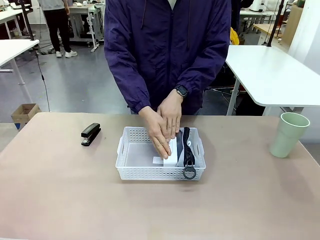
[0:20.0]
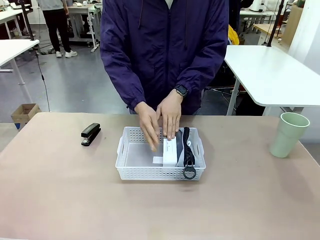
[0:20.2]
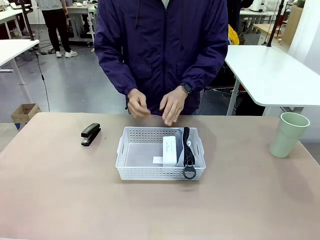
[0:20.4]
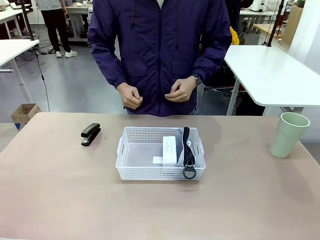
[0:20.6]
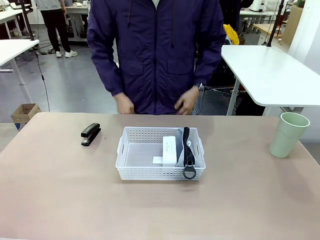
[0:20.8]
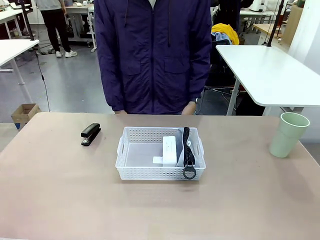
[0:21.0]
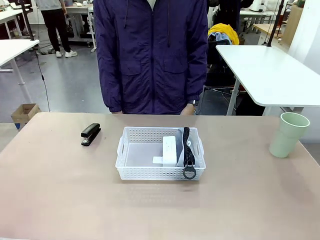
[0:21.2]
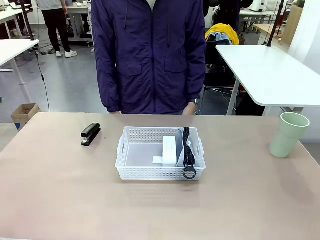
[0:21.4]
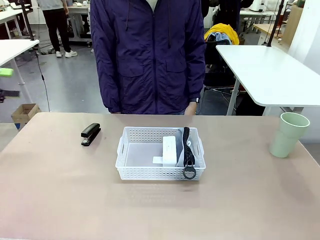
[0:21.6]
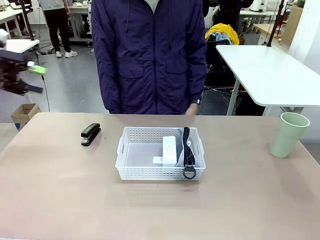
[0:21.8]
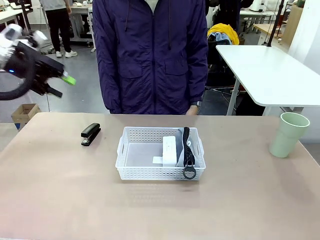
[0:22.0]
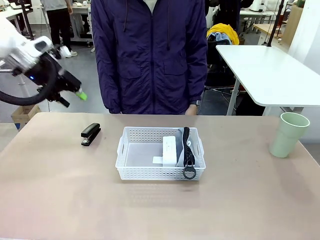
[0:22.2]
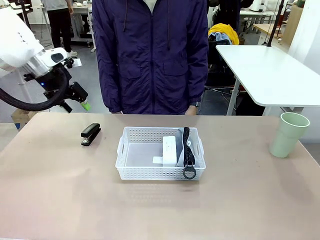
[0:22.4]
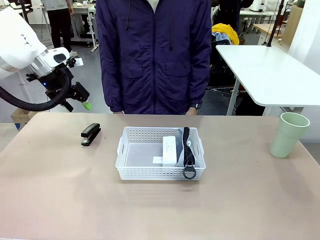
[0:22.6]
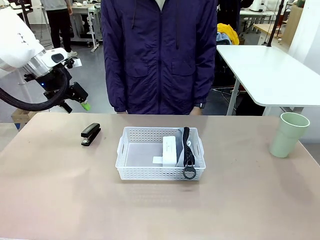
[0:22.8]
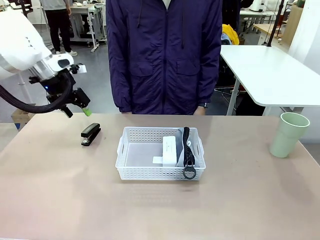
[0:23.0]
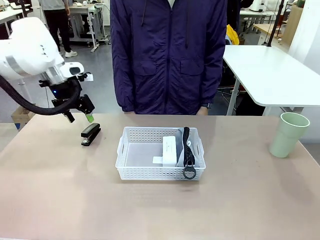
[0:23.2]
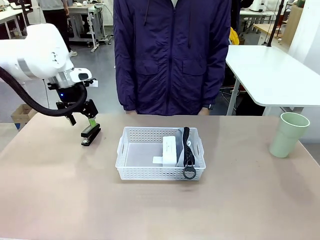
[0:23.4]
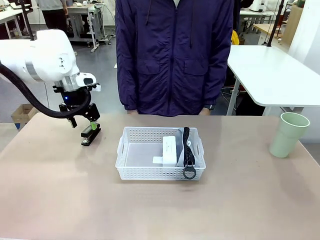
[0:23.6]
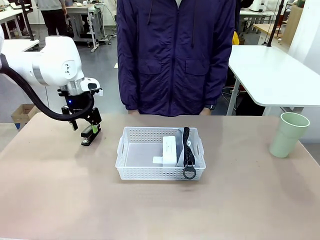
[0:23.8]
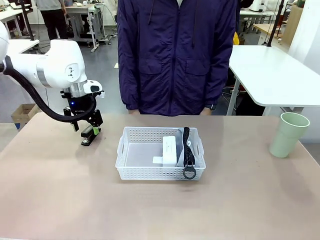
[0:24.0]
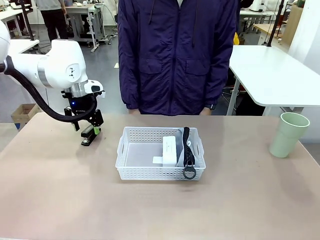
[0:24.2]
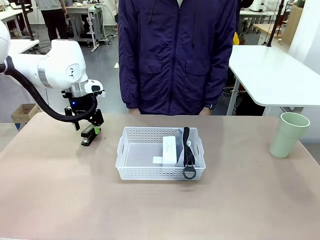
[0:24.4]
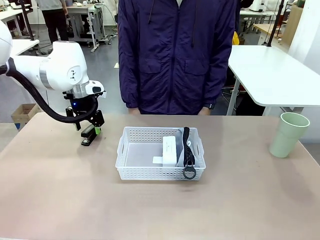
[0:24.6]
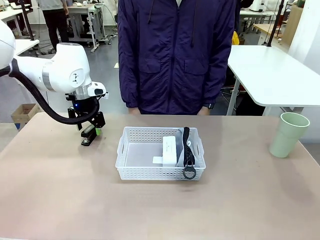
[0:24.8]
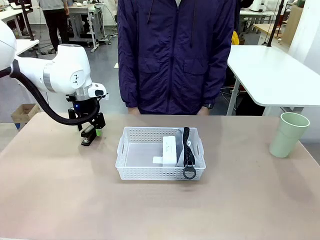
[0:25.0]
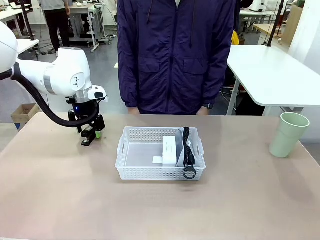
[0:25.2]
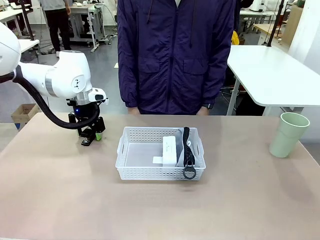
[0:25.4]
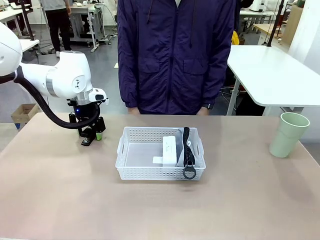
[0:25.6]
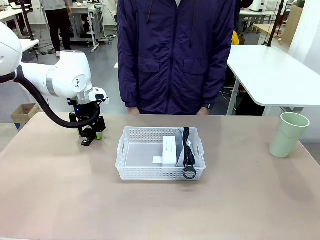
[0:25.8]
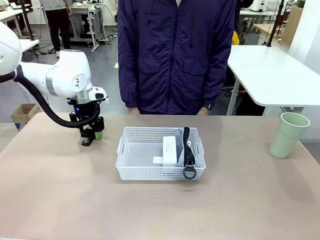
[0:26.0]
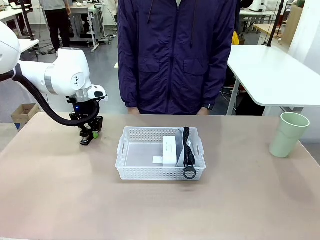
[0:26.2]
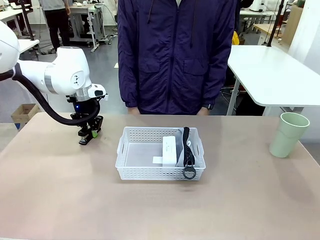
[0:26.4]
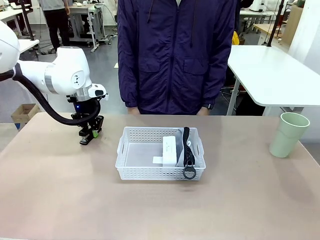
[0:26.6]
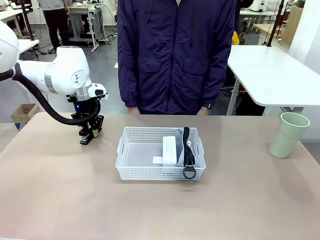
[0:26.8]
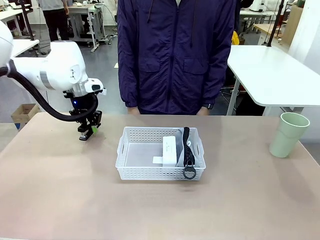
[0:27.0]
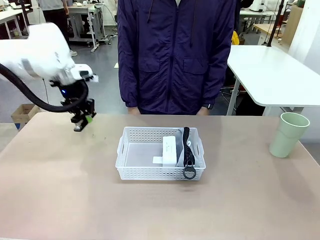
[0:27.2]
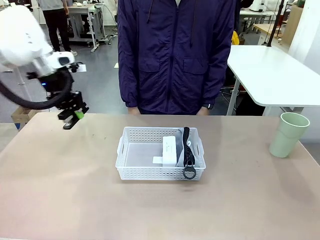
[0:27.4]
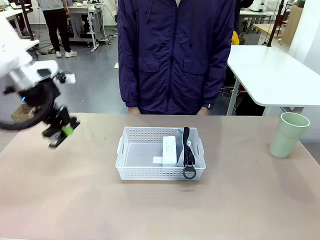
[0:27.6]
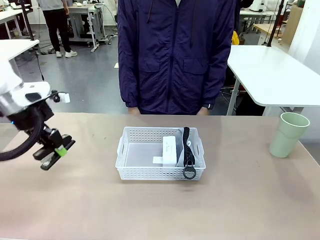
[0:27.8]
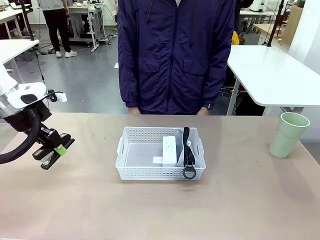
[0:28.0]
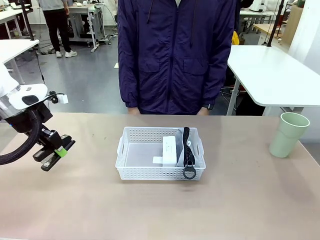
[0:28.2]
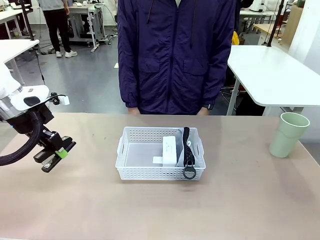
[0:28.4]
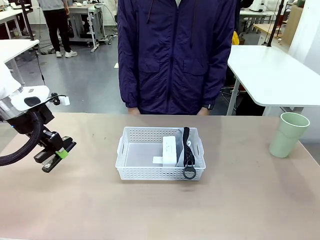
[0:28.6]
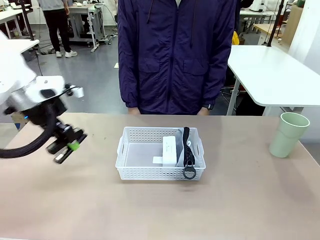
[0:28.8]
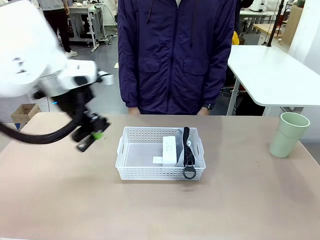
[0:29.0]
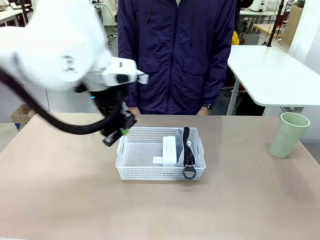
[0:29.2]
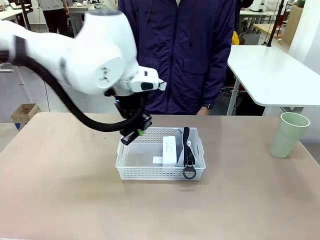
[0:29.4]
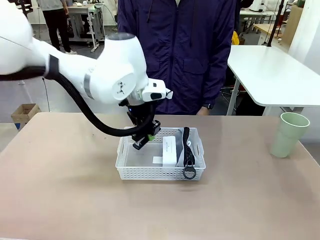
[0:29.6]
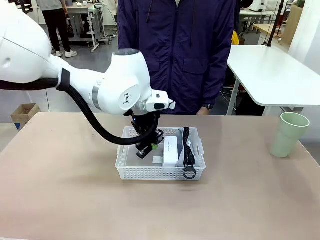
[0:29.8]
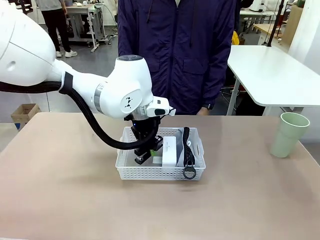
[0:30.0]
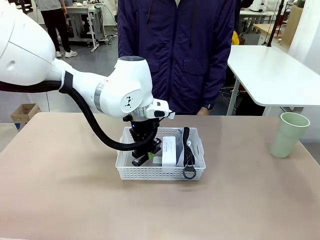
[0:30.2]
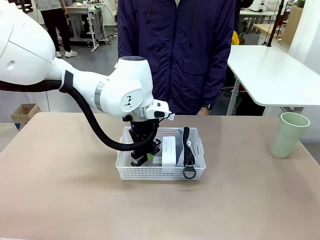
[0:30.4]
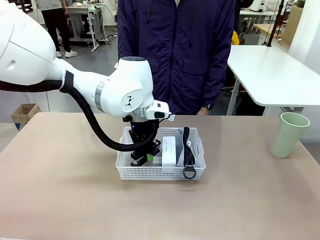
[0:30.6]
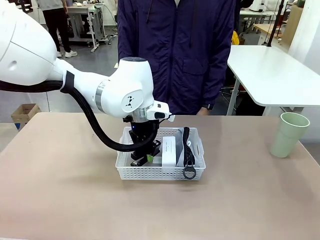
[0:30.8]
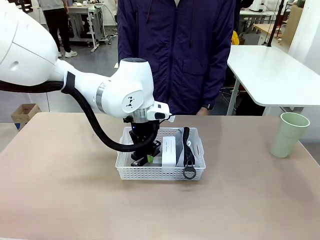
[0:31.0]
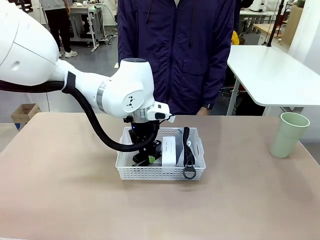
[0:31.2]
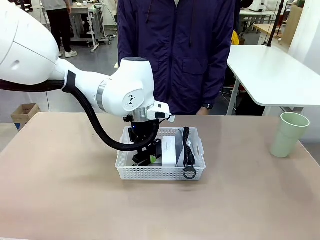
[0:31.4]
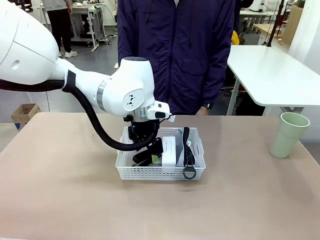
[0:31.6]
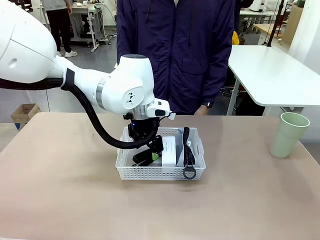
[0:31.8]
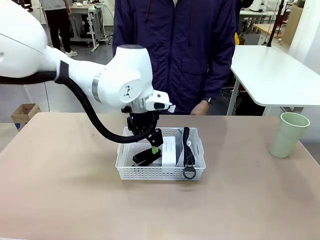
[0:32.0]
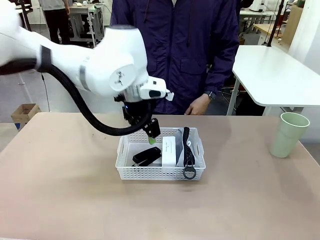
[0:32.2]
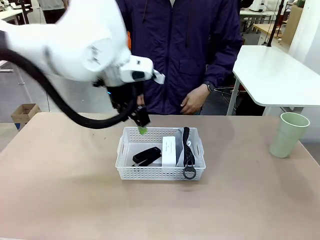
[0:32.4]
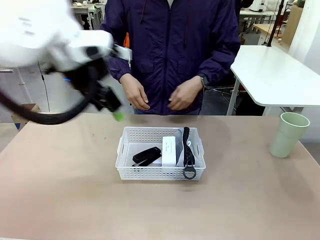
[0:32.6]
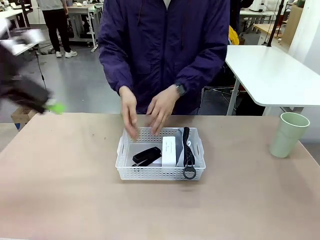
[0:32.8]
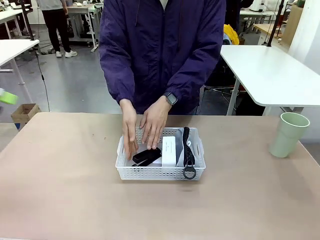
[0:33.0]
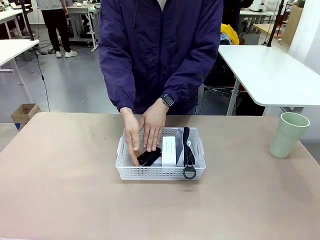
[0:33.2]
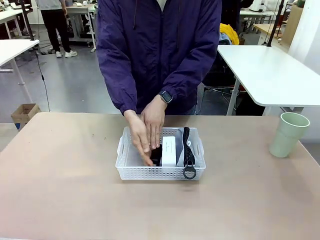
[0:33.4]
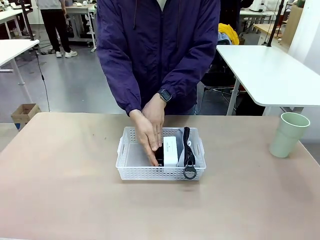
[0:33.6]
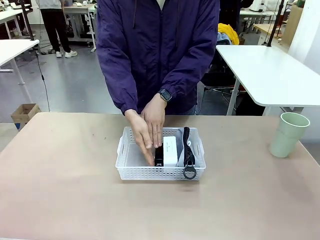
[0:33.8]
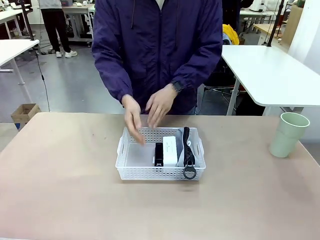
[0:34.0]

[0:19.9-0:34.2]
Task: Efficiently arrange items inside the basket to fit them all.
Robot: Pick up the Stapler and place it inside the Organizing basket.

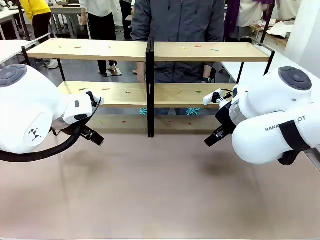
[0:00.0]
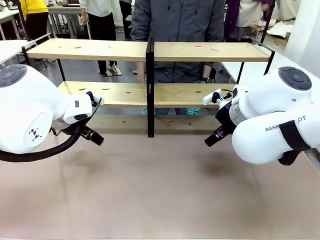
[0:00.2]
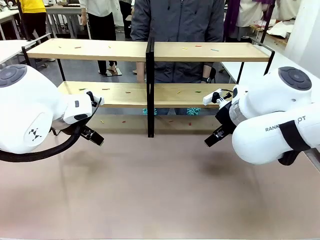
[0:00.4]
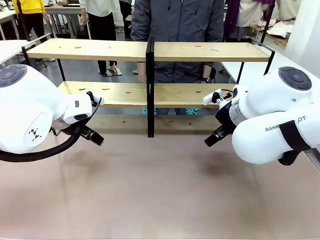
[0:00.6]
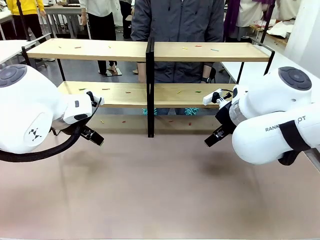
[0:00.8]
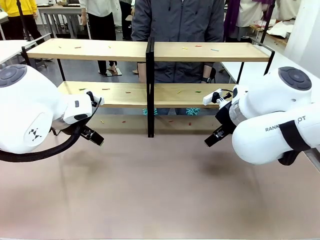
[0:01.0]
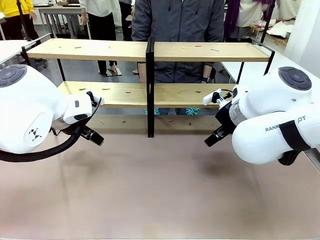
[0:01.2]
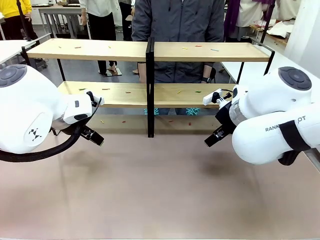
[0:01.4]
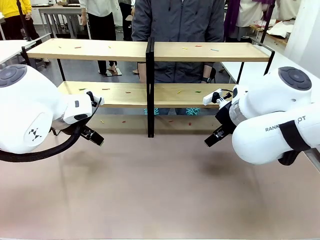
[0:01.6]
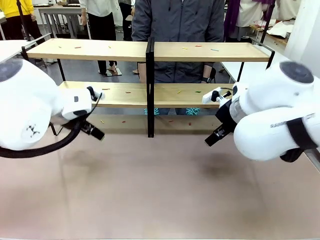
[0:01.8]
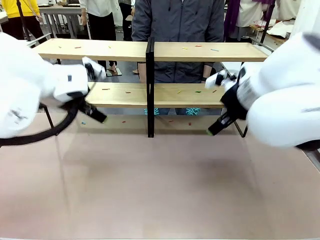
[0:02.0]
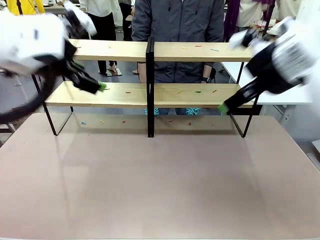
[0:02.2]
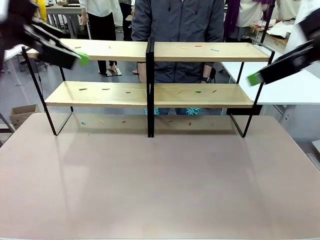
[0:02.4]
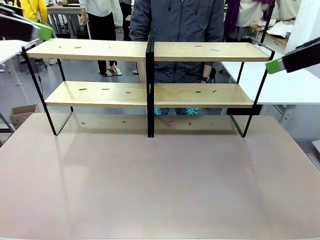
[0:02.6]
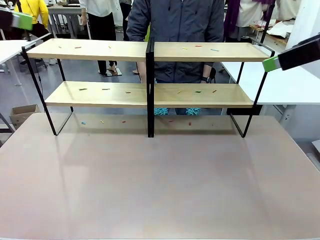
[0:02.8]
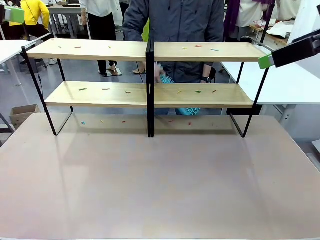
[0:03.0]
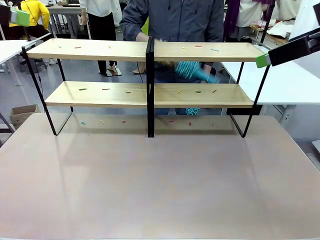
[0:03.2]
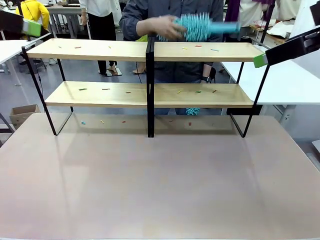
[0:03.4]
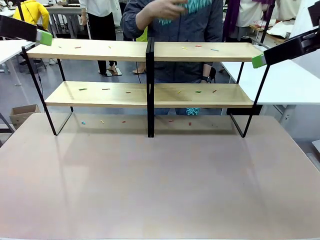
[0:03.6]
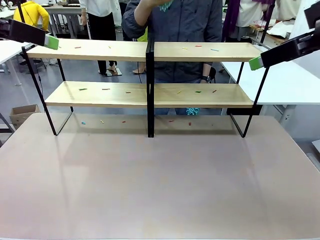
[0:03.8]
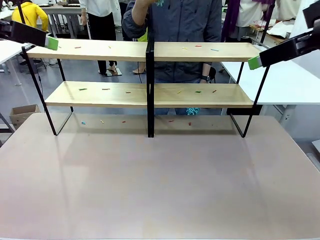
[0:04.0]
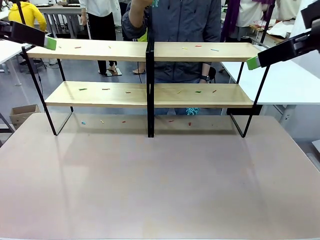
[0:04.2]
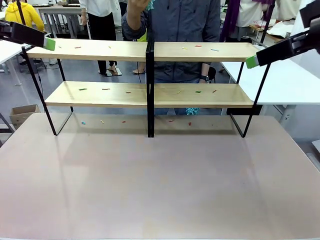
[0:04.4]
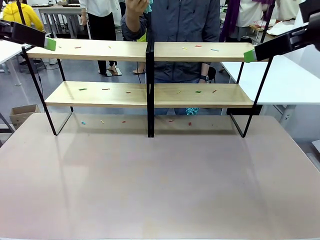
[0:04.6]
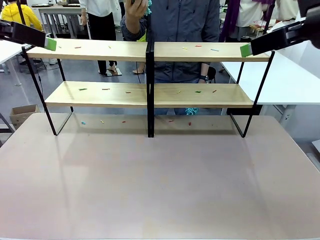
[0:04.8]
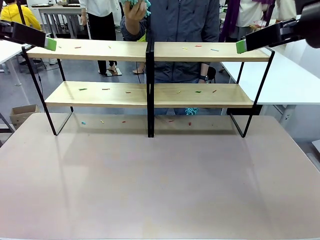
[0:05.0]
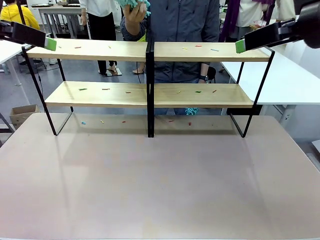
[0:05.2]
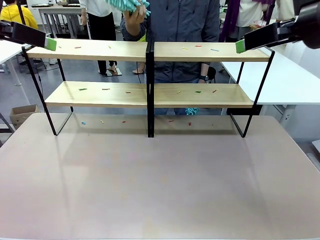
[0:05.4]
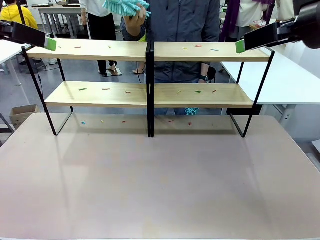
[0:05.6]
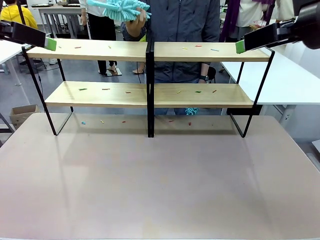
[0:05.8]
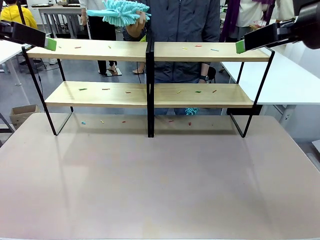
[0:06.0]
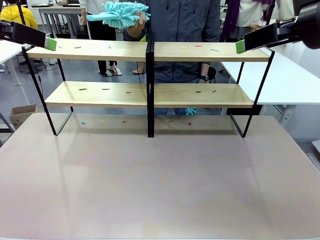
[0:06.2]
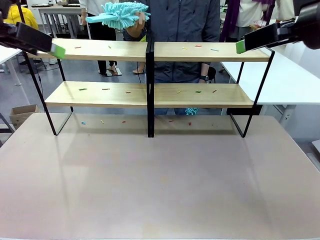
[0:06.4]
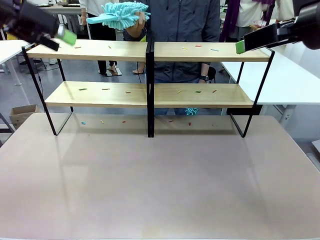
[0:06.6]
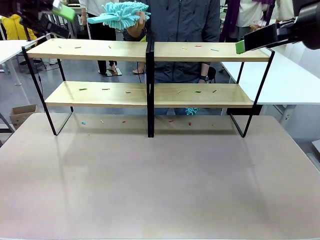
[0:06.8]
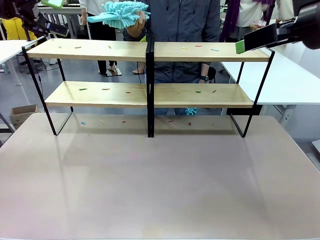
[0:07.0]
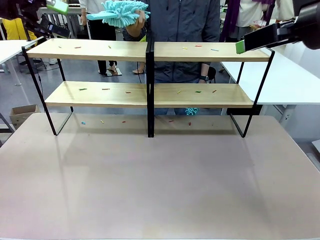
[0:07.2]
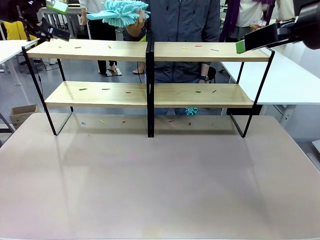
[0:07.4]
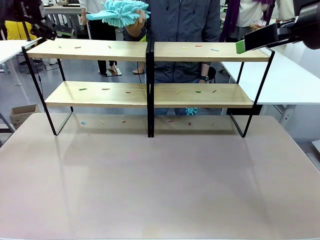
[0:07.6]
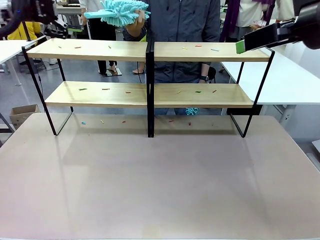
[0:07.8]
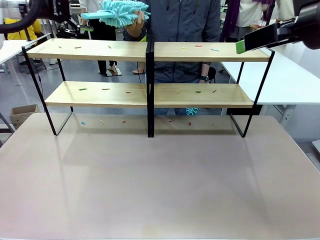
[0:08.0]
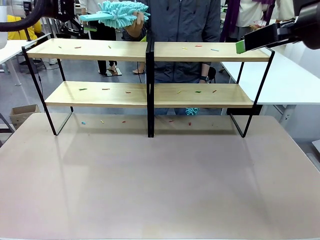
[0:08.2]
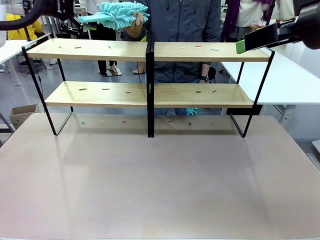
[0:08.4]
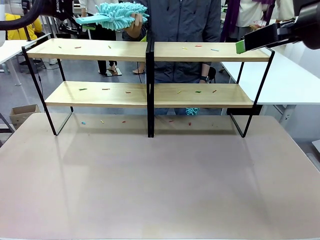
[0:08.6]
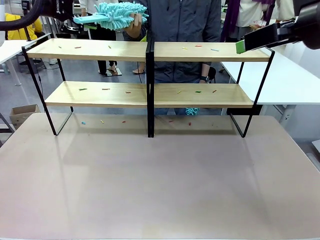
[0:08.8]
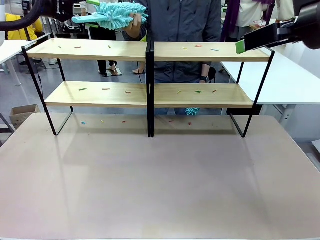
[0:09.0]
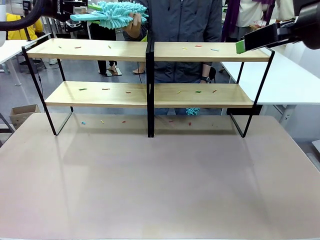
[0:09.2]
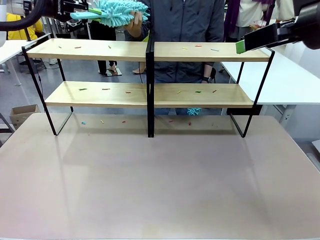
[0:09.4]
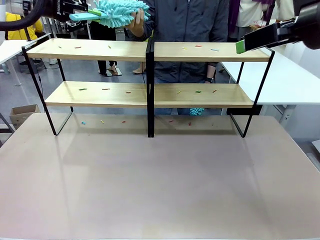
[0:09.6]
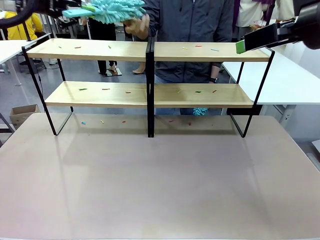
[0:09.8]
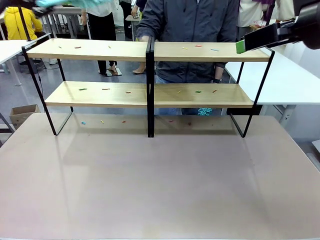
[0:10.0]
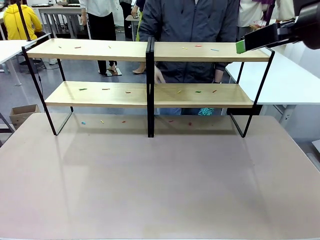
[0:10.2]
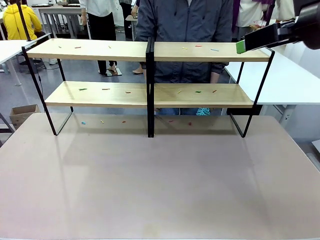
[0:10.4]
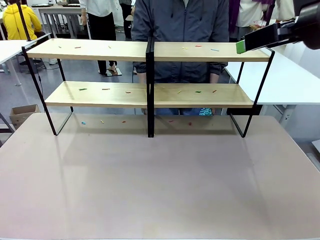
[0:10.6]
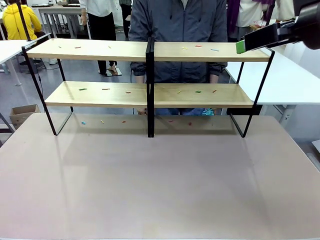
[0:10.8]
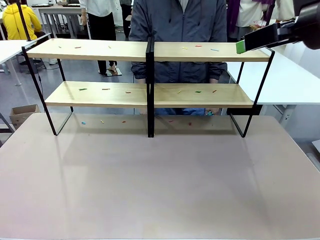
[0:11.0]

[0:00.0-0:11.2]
Task: Clean the shelves.
Robot: Pick up the Duster when the human hands it over.
Person: Hand the Duster to the robot with your right (or left) hand.
